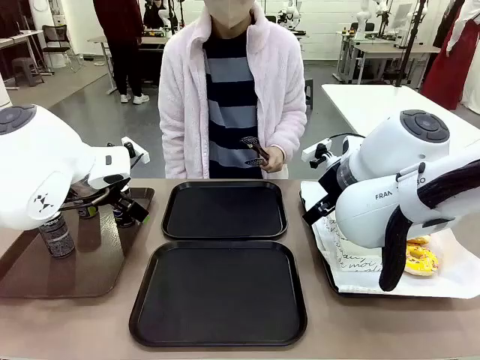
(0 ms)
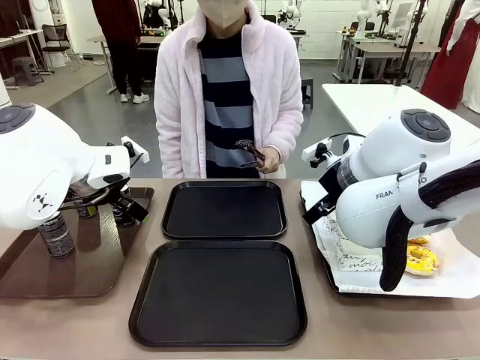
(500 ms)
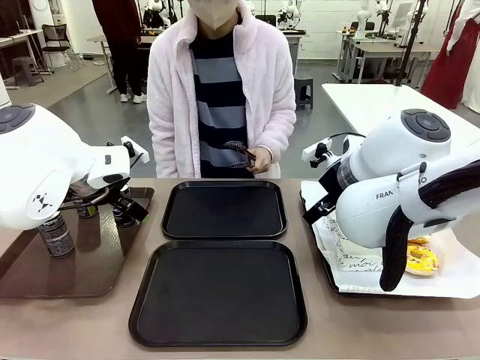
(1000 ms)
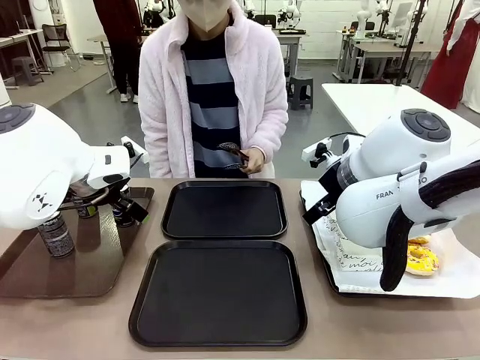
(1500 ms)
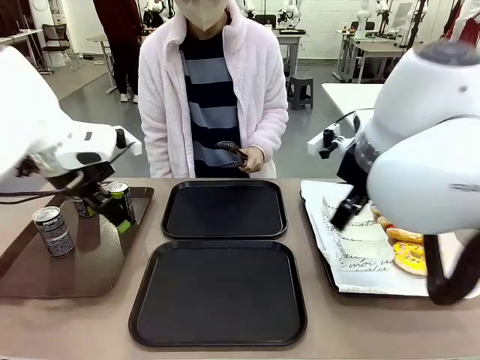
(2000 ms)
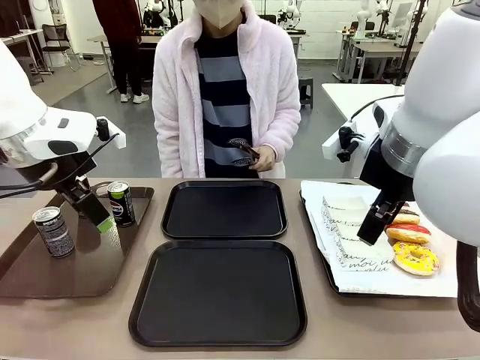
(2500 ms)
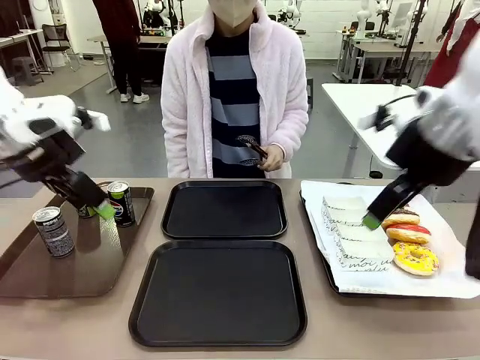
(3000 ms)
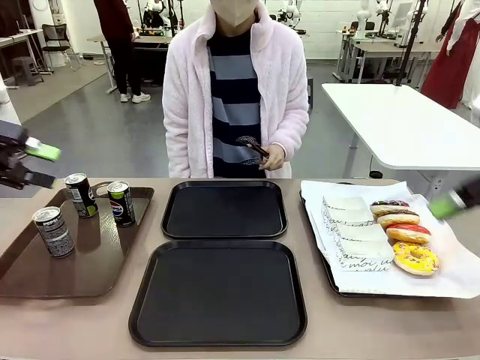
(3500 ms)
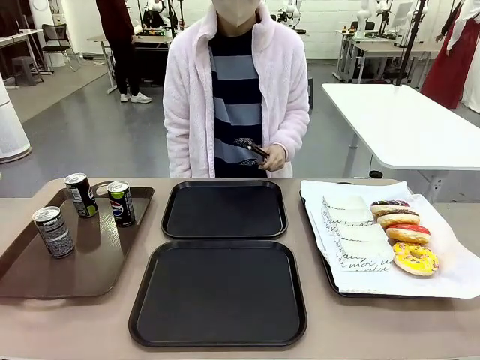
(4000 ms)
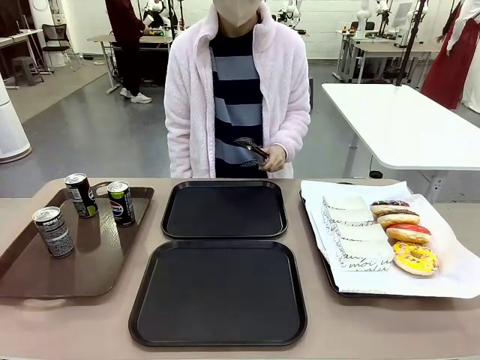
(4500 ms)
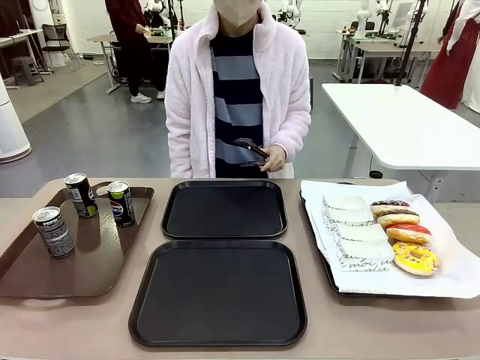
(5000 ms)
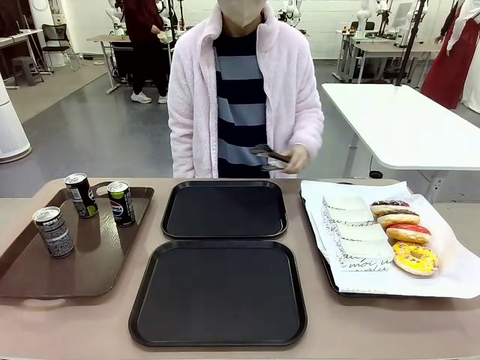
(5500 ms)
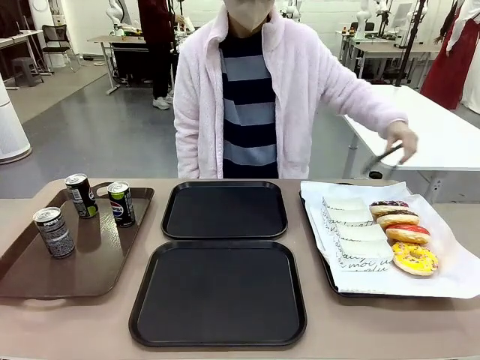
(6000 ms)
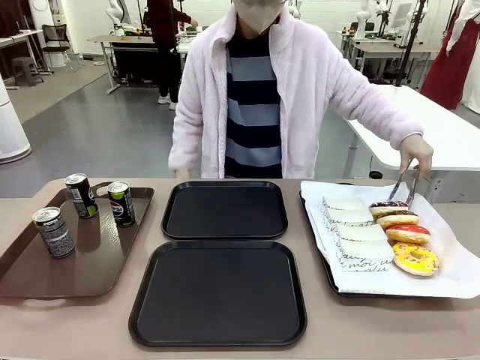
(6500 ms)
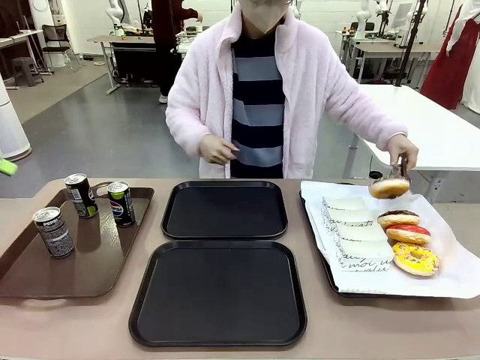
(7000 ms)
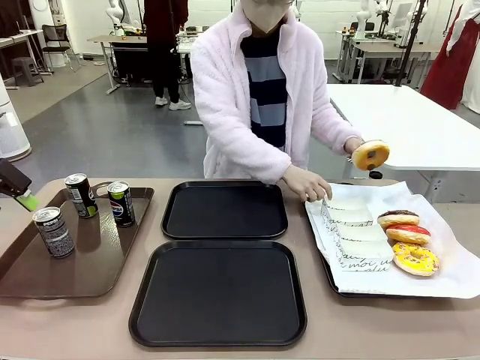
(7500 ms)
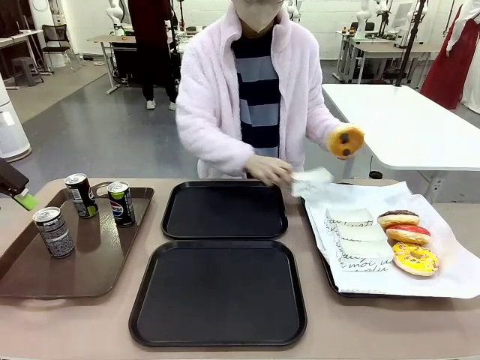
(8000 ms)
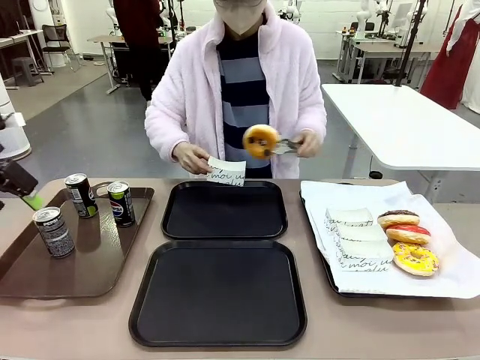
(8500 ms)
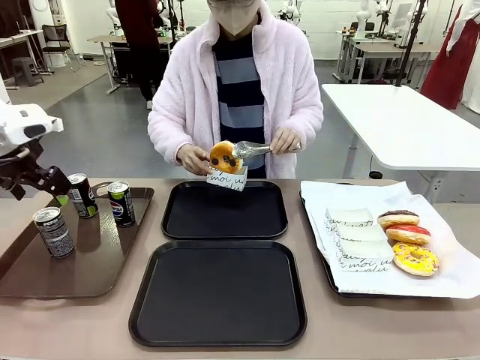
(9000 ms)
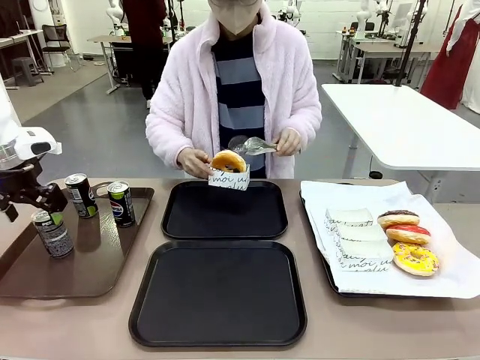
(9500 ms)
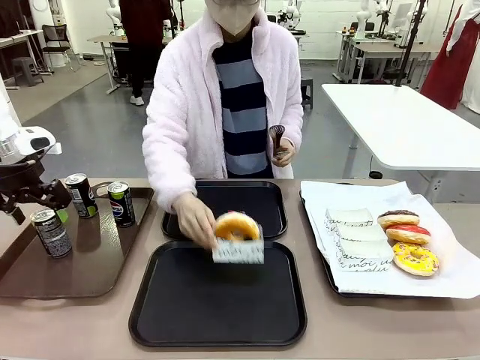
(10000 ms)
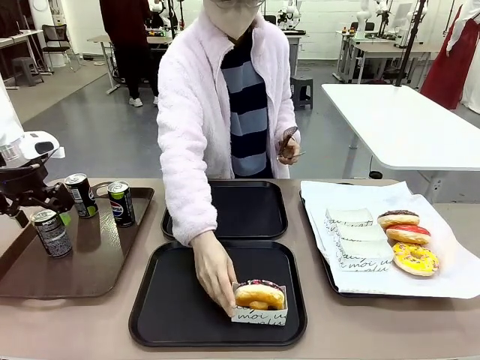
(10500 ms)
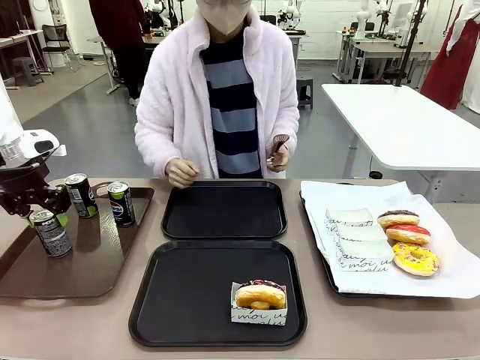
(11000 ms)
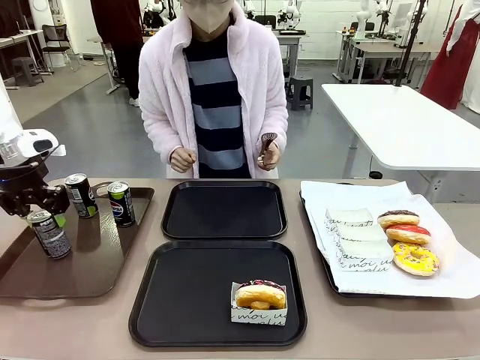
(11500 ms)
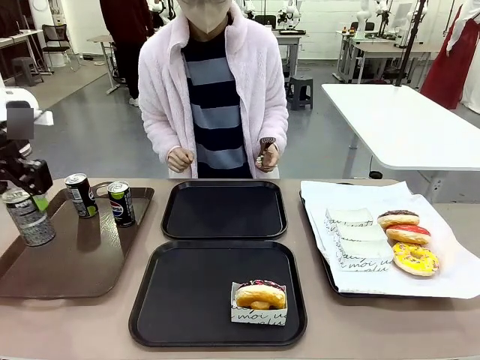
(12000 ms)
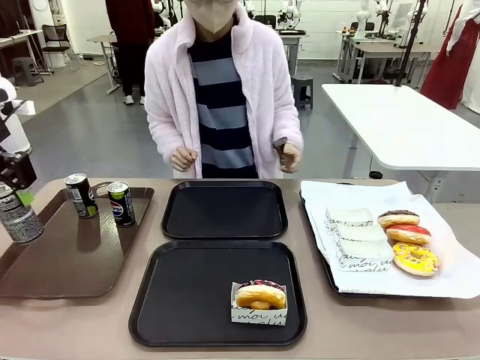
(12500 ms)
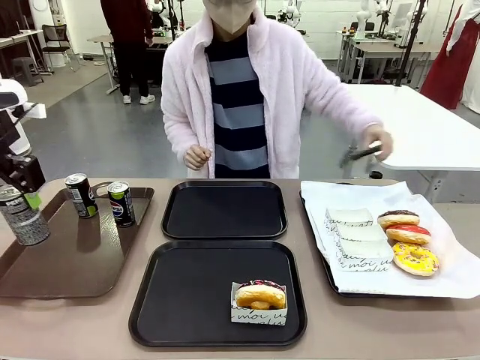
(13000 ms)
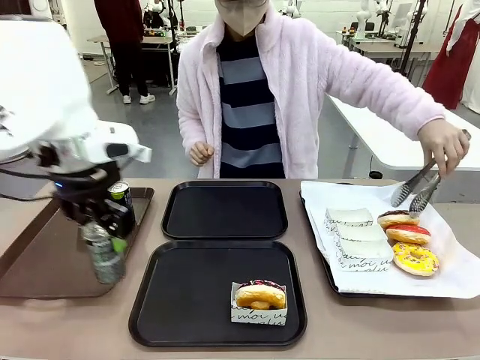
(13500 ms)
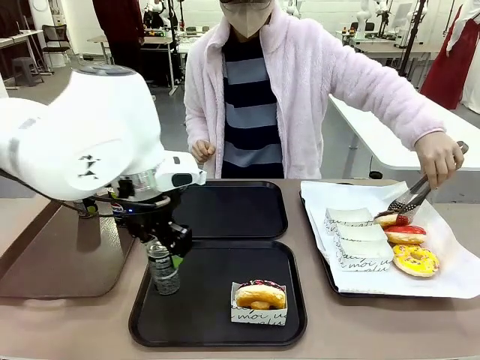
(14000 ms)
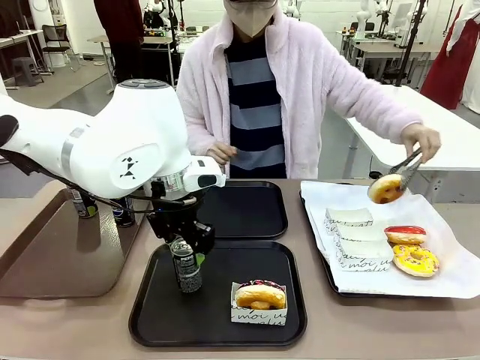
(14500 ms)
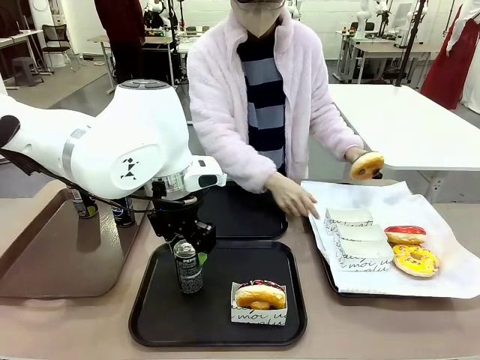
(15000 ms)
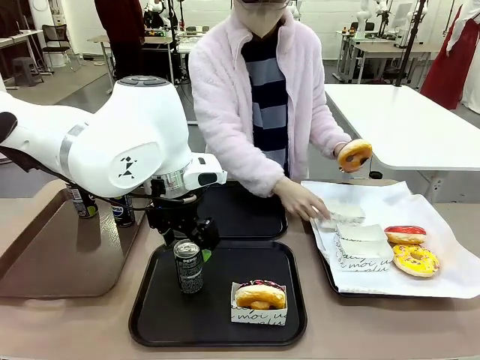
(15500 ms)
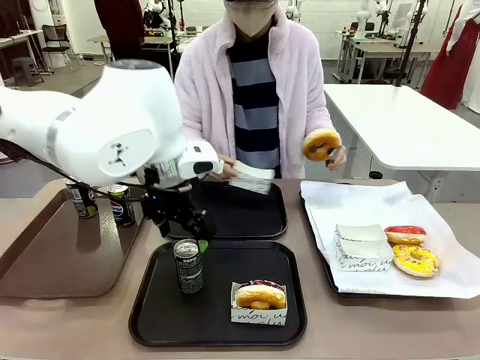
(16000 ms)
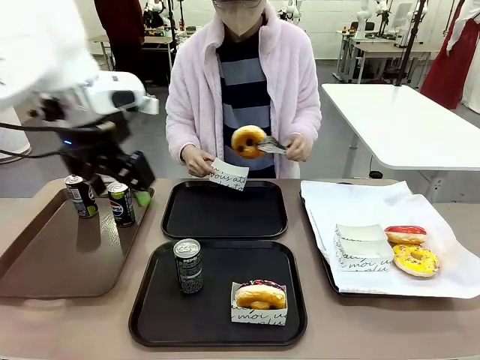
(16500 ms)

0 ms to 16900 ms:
Task: Set up donuts and drinks on trays.
Robot: Pick up one Pepsi coke and place it on the Flat Tray.

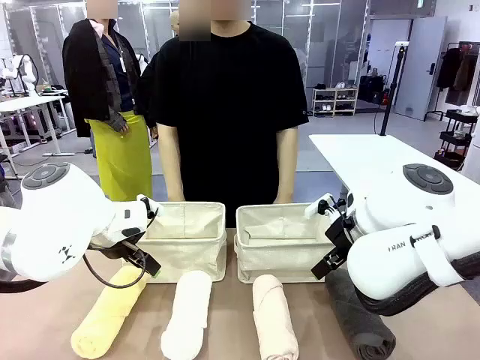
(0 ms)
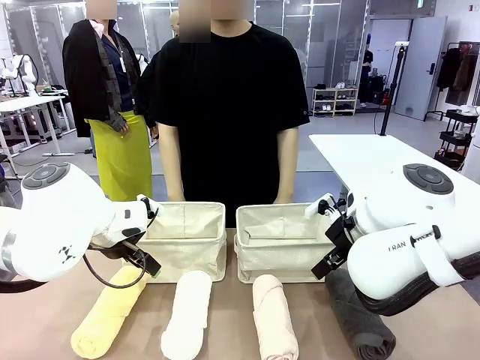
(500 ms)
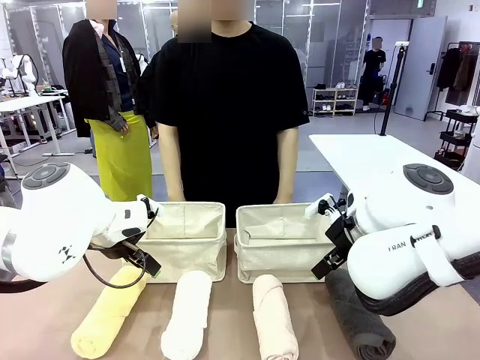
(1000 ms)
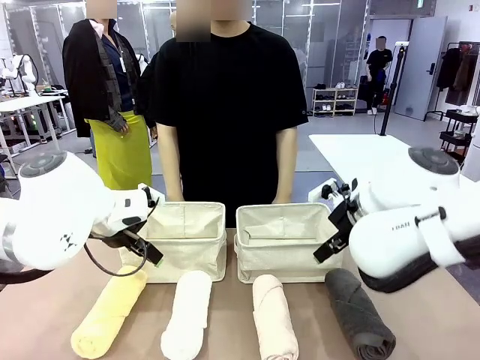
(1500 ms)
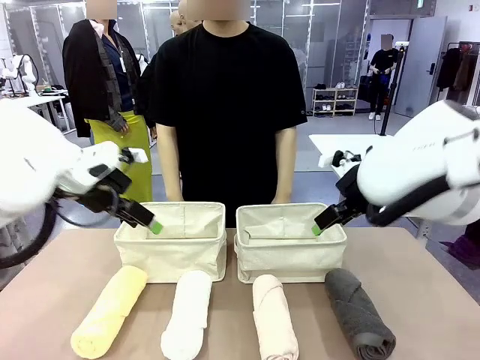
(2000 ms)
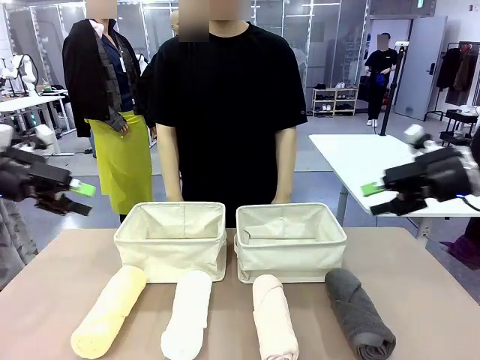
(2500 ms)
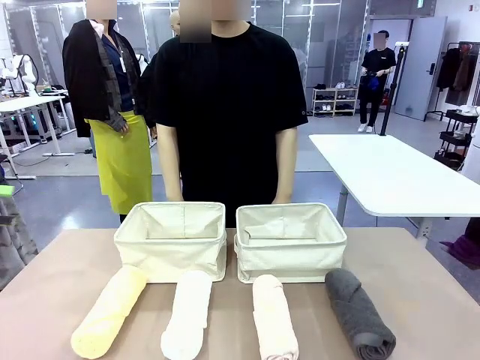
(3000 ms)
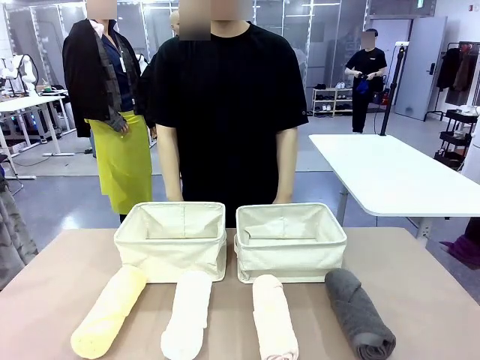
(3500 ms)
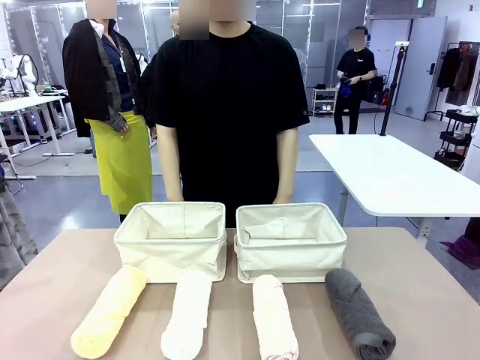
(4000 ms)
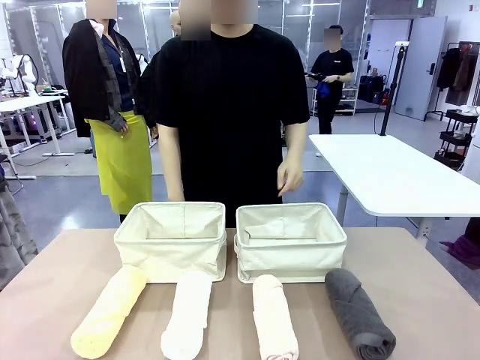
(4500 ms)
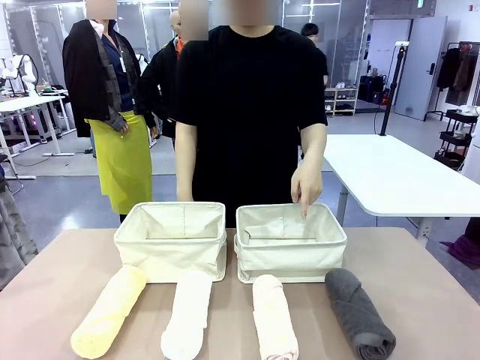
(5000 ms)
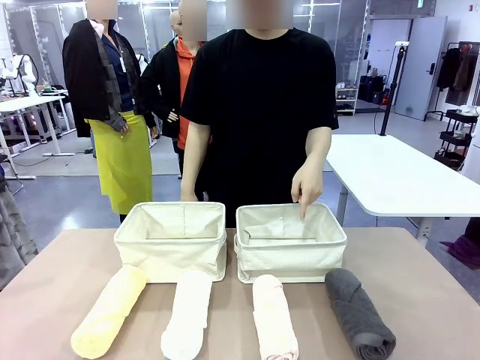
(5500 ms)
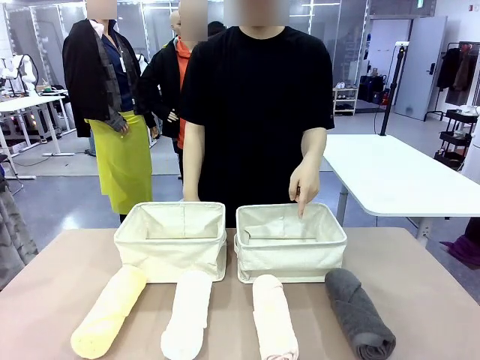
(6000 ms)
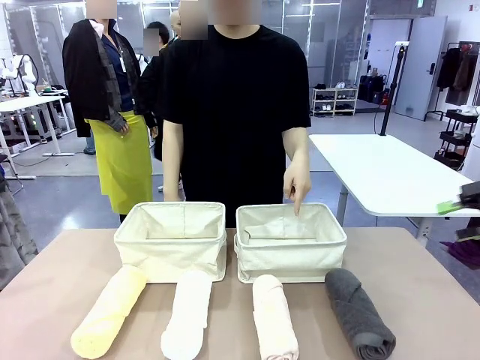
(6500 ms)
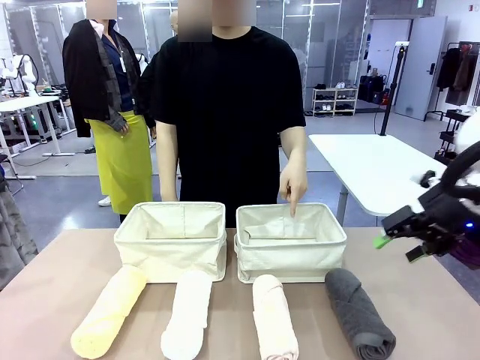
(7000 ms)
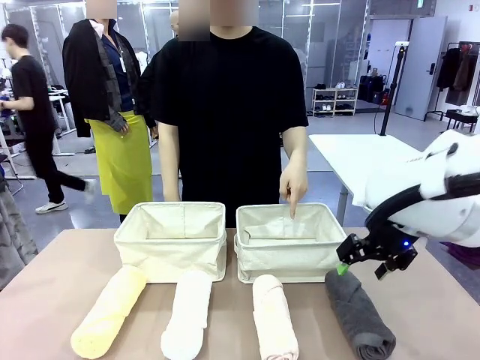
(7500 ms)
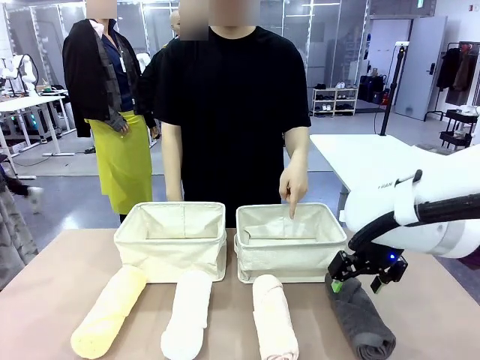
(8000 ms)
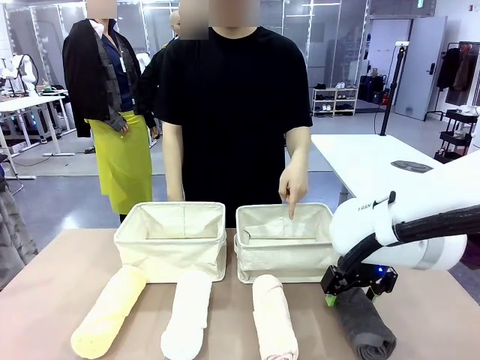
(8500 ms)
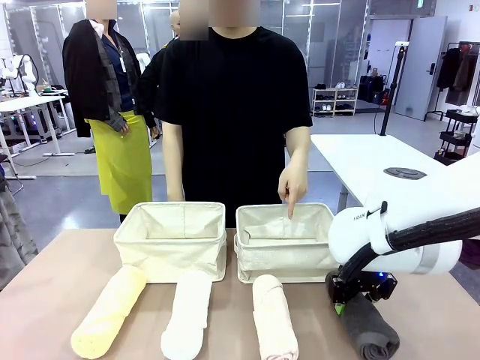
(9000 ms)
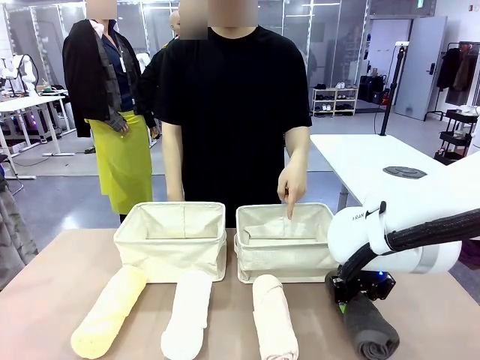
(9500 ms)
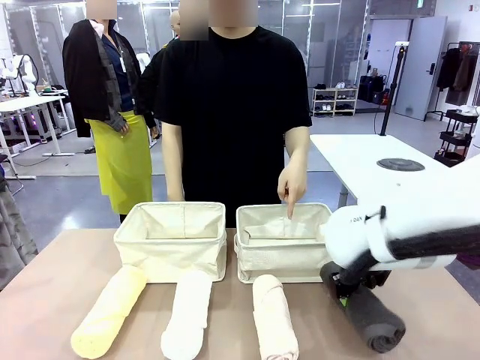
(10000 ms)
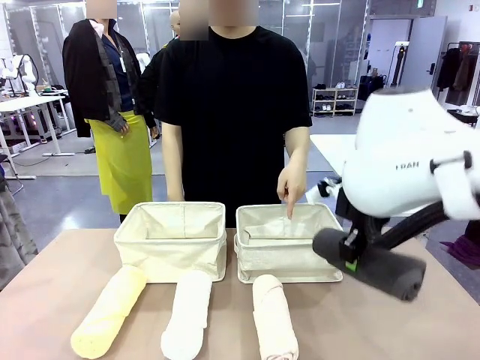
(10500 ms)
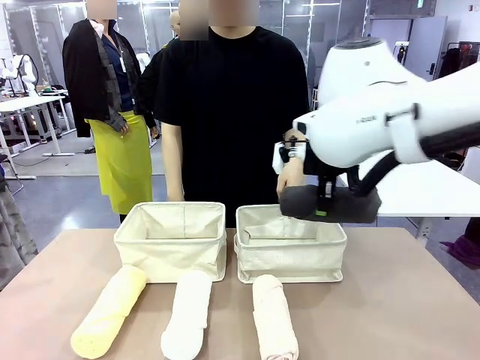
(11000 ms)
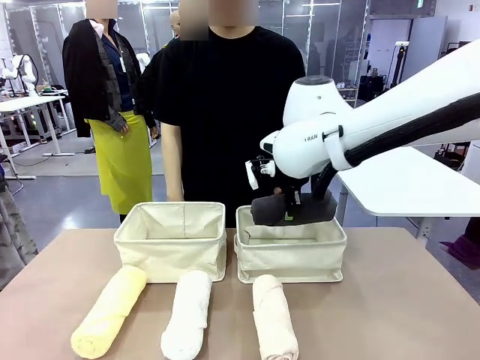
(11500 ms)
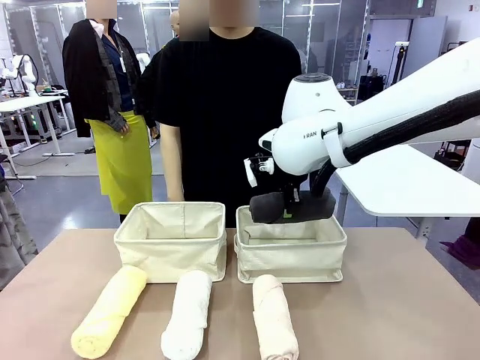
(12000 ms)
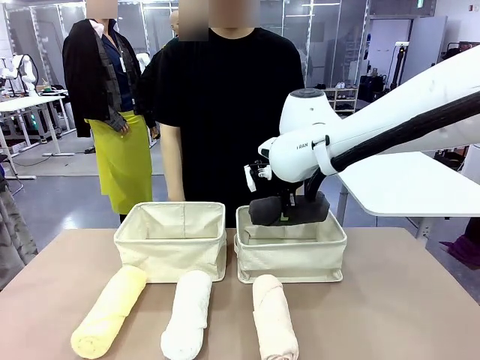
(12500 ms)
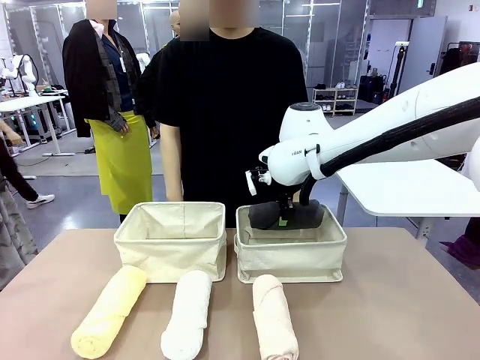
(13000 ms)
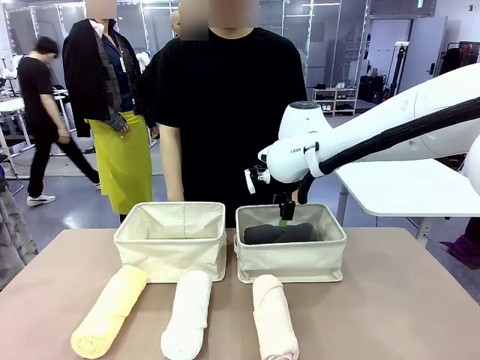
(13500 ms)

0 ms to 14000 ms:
Task: Divide the towels into two baskets.
Robot: Pick up one hotel-folded towel and place it in the Fabric basket indicated by the person.
